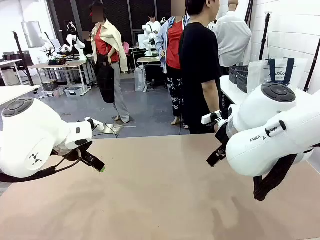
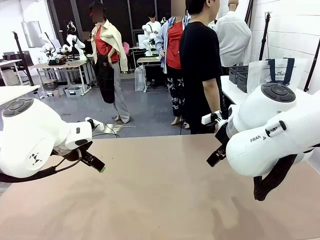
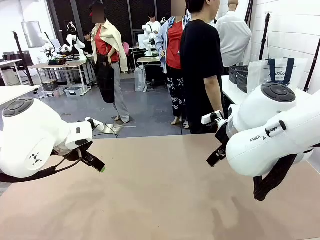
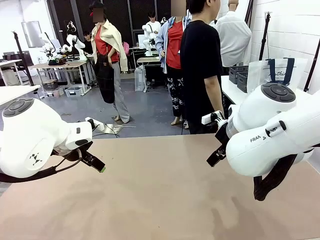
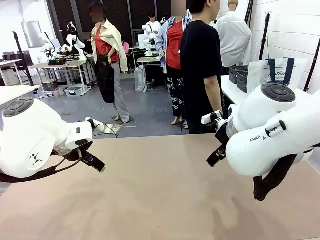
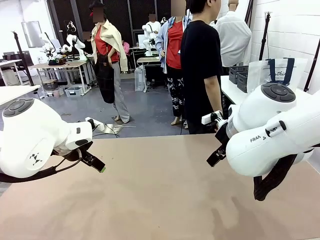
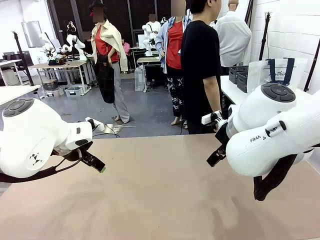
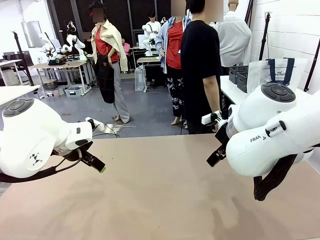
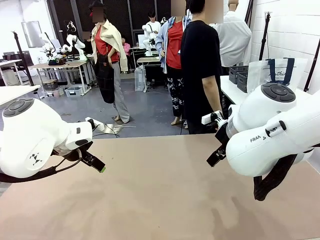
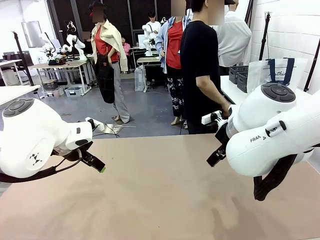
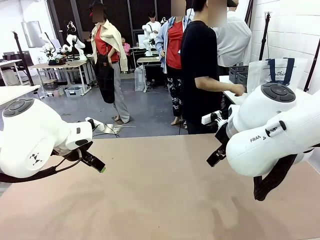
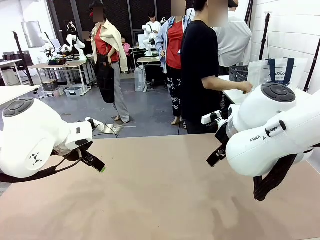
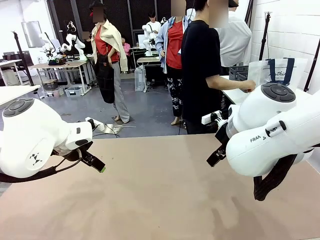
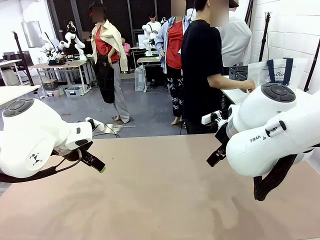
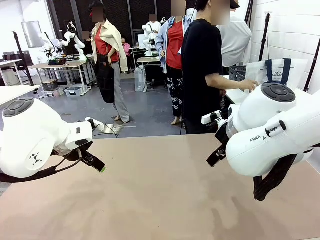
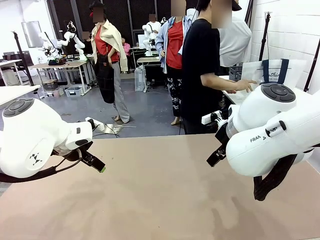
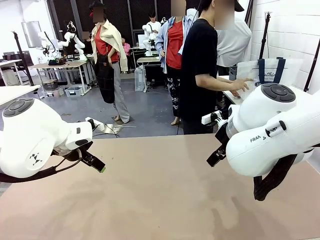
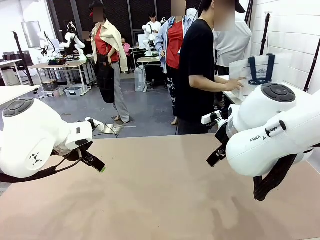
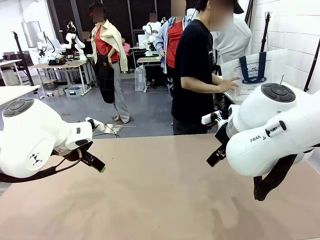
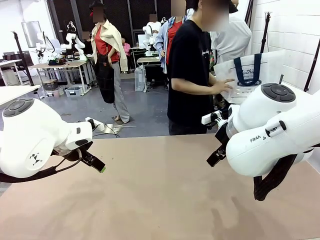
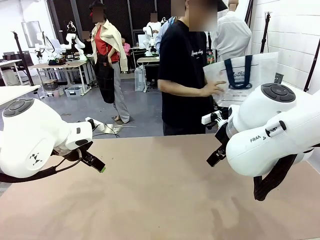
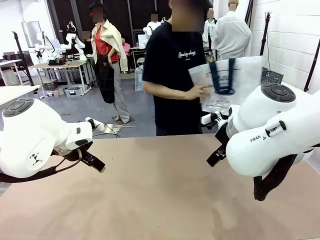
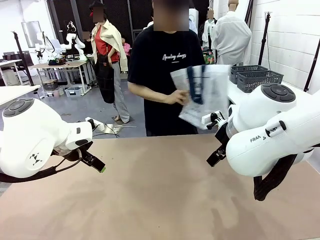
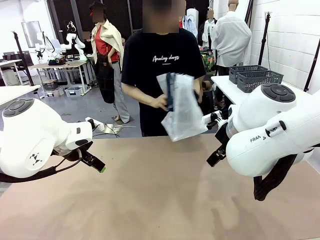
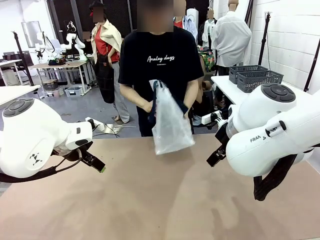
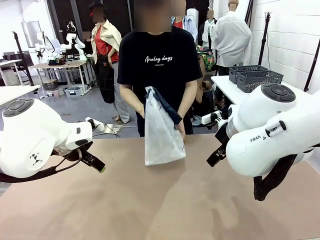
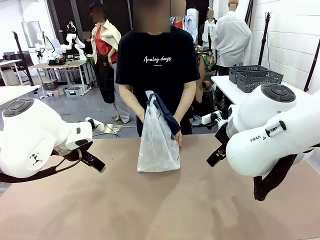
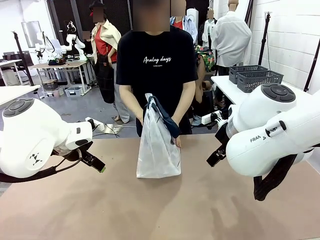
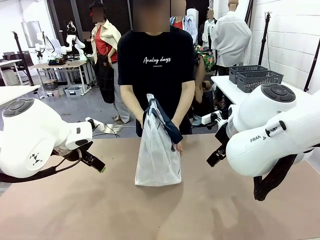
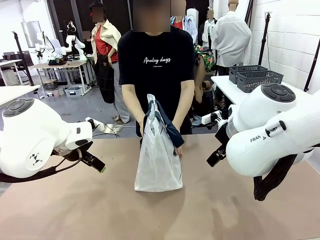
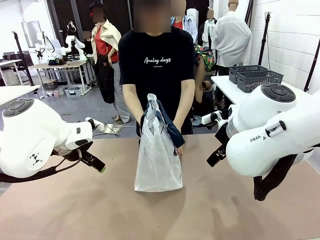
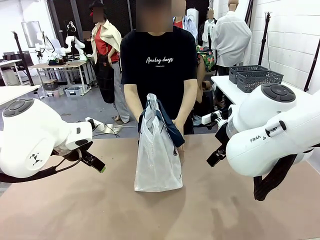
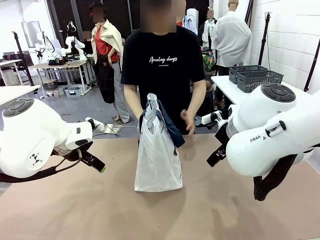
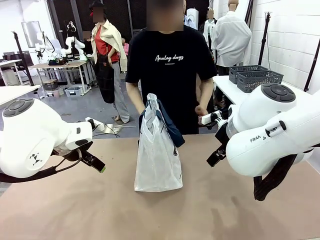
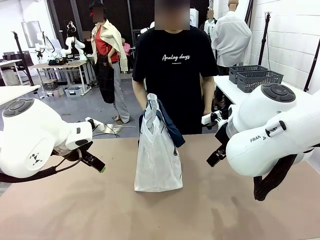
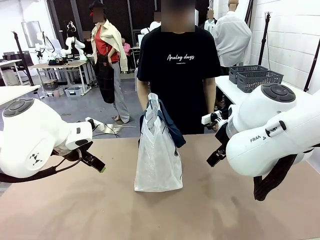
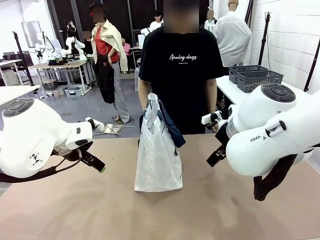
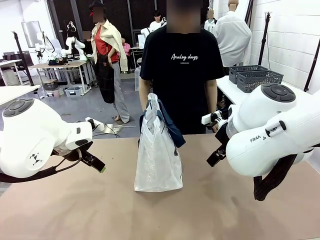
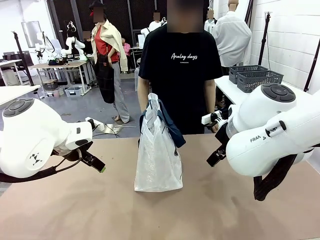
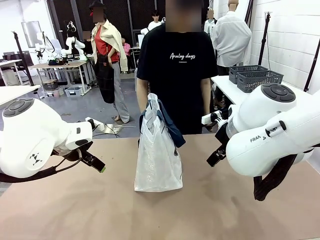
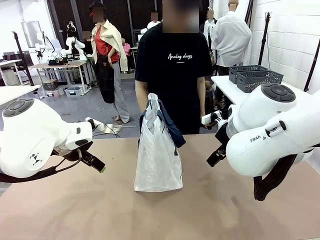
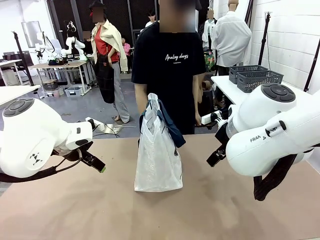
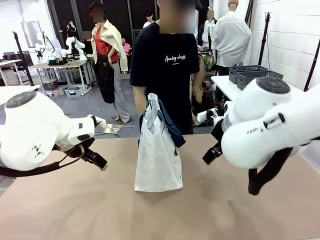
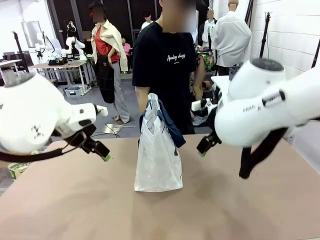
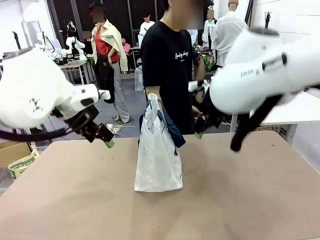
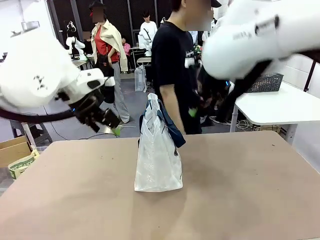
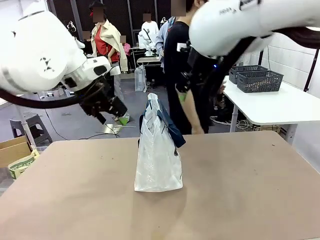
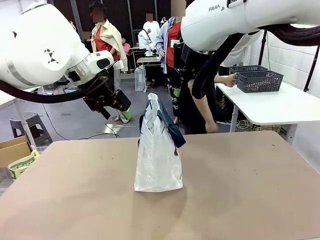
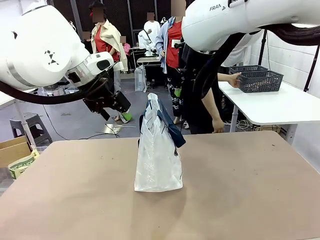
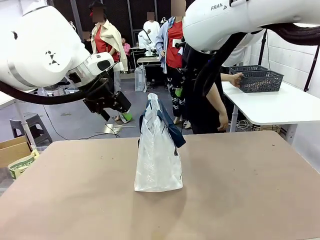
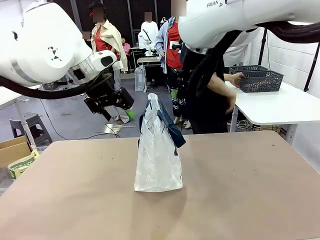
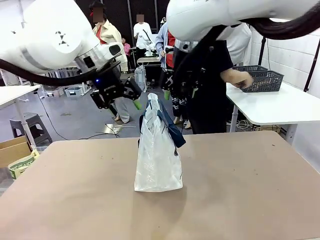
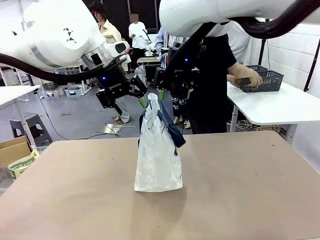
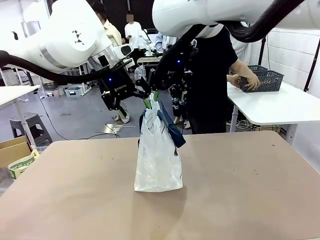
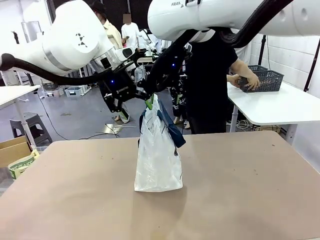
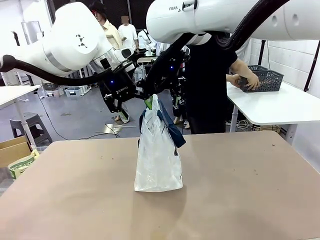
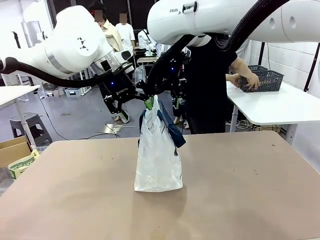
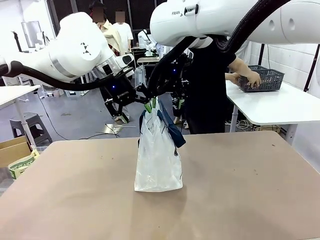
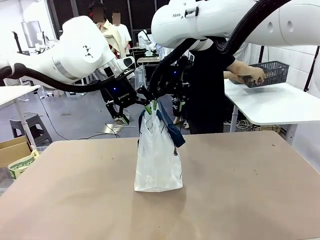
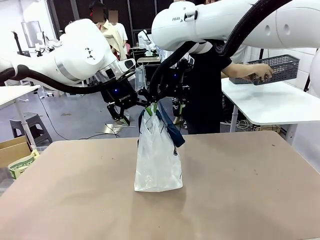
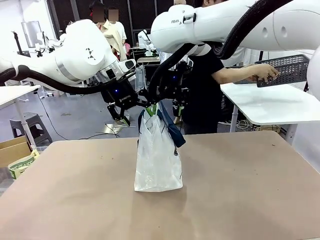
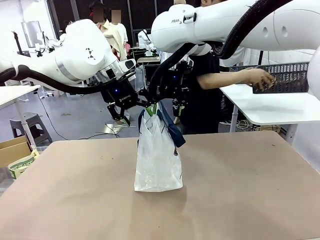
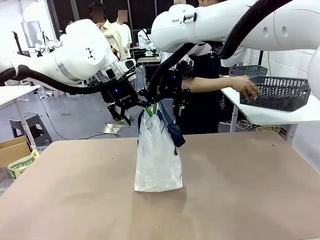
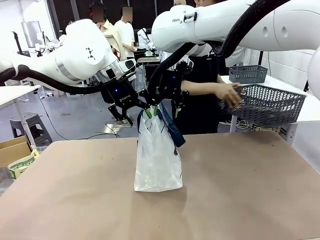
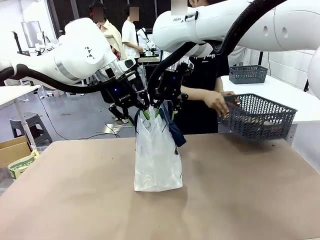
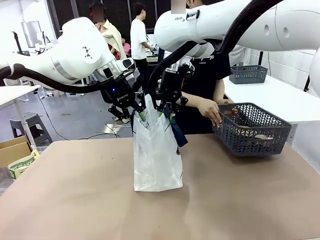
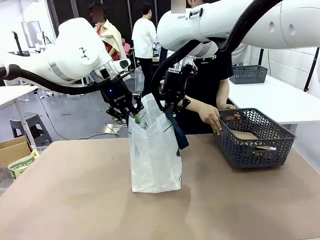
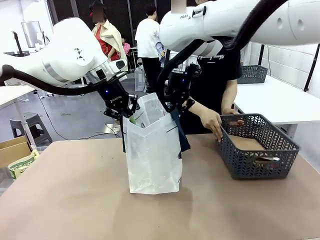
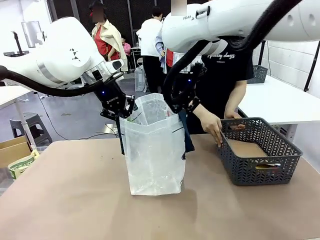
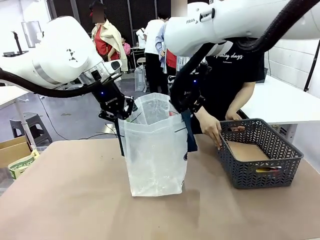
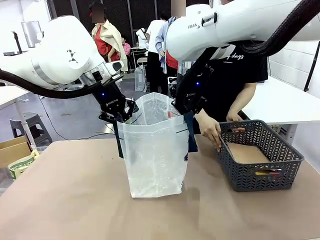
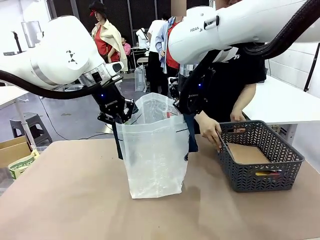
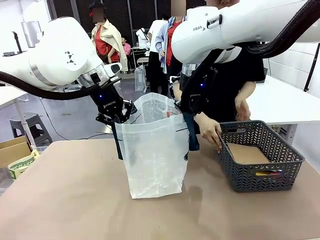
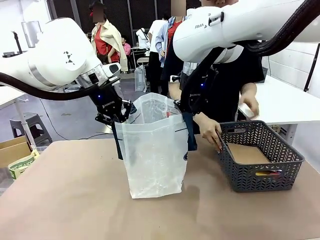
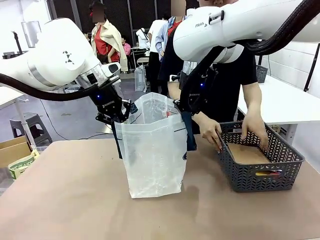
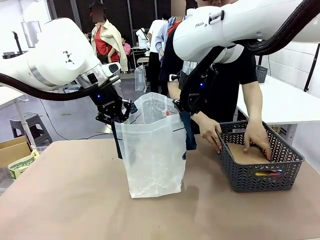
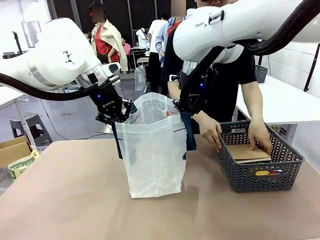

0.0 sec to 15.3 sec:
Task: Transfer purchased items from the store into the shopping bag.
Robot: Open the Reusable shopping bag in the center of the table.
Person: Pick up the shopping bag and place it in the middle of the robot table.
